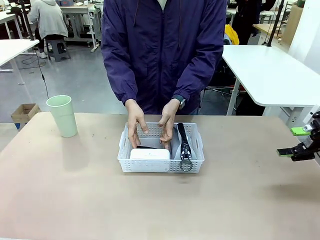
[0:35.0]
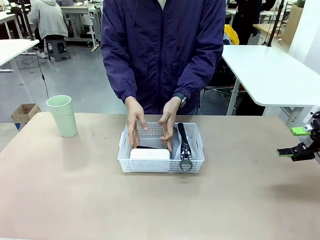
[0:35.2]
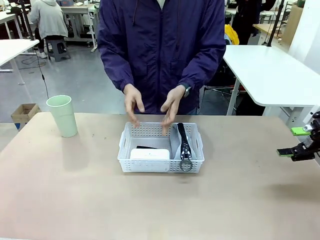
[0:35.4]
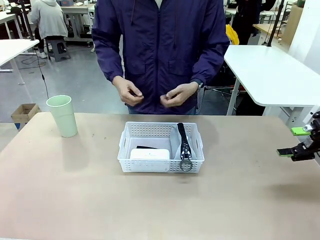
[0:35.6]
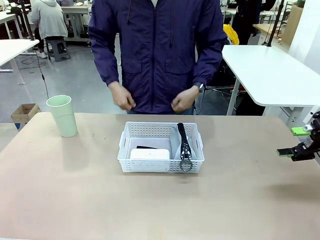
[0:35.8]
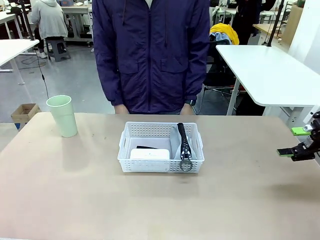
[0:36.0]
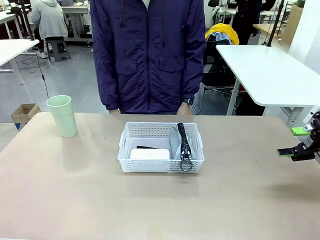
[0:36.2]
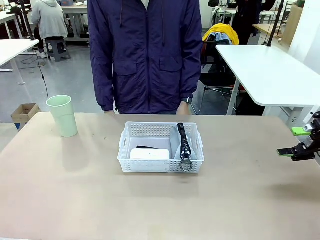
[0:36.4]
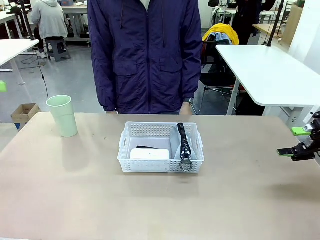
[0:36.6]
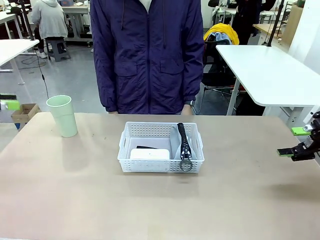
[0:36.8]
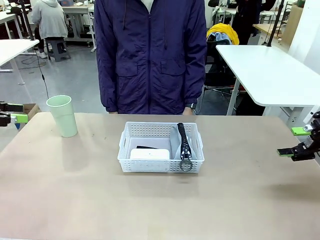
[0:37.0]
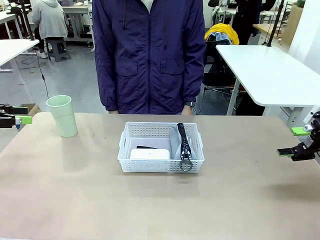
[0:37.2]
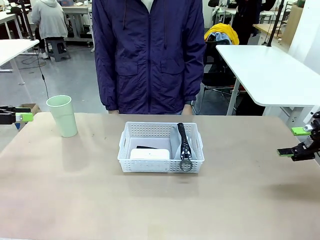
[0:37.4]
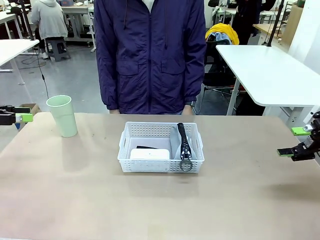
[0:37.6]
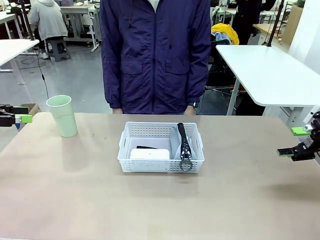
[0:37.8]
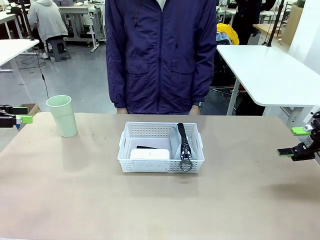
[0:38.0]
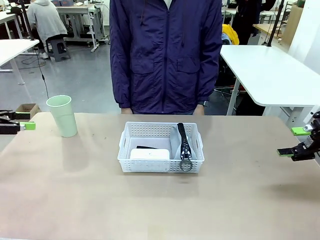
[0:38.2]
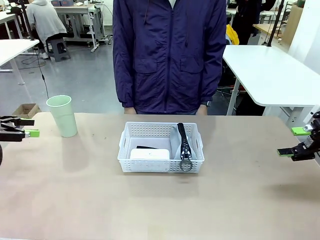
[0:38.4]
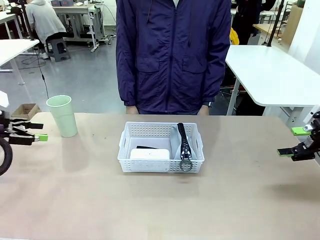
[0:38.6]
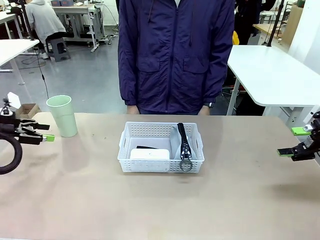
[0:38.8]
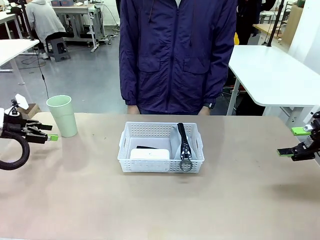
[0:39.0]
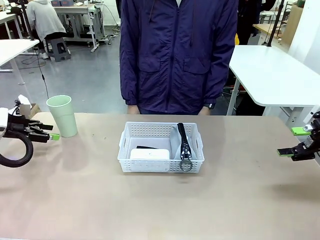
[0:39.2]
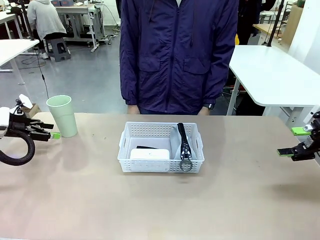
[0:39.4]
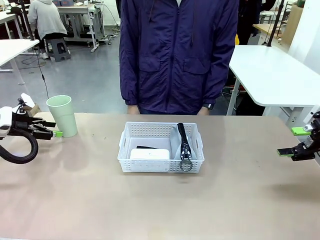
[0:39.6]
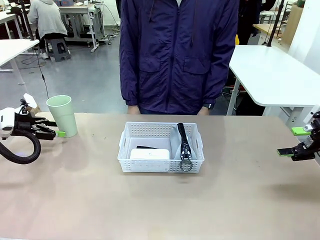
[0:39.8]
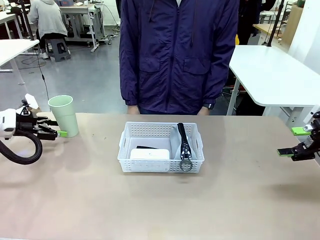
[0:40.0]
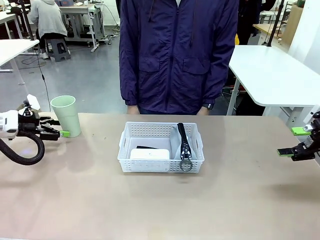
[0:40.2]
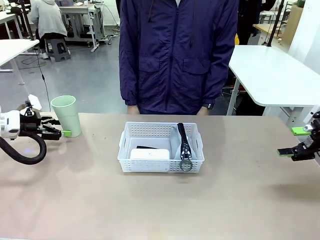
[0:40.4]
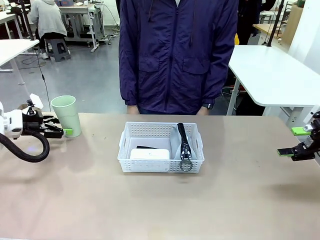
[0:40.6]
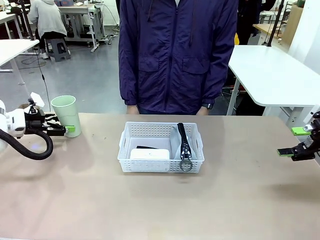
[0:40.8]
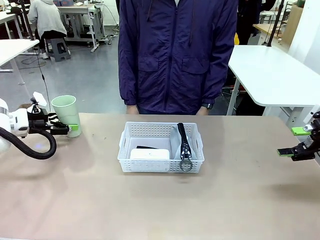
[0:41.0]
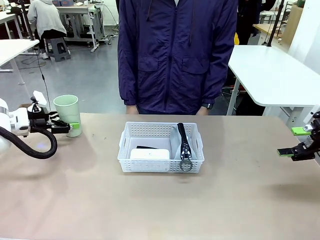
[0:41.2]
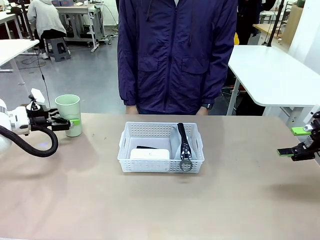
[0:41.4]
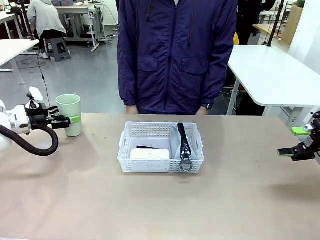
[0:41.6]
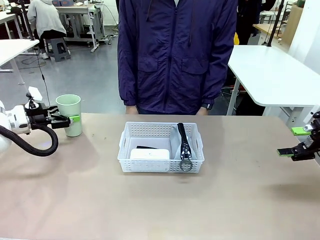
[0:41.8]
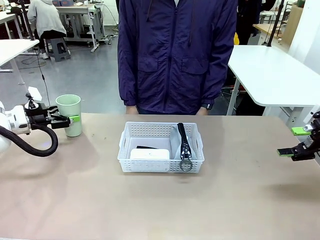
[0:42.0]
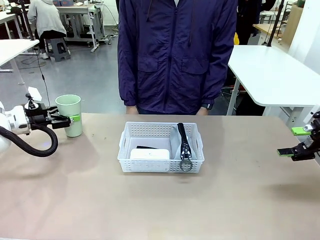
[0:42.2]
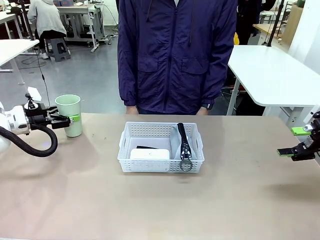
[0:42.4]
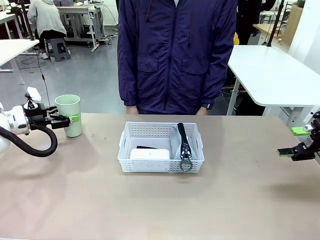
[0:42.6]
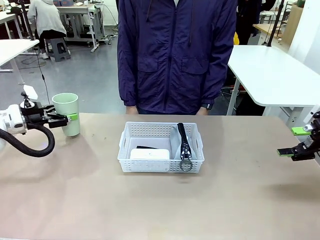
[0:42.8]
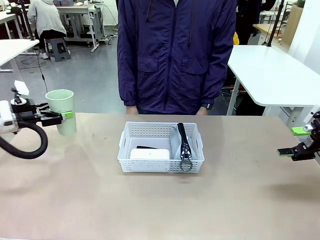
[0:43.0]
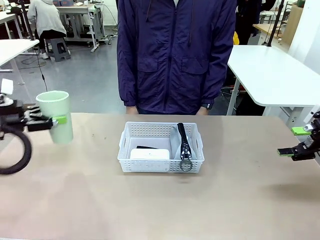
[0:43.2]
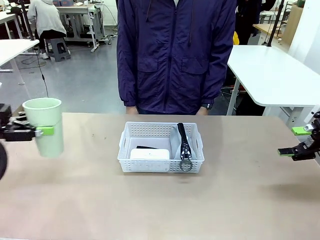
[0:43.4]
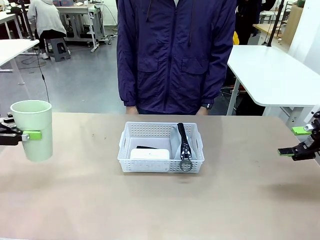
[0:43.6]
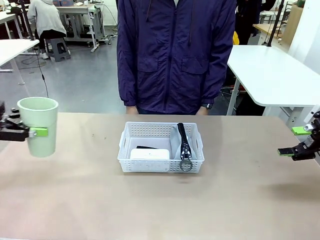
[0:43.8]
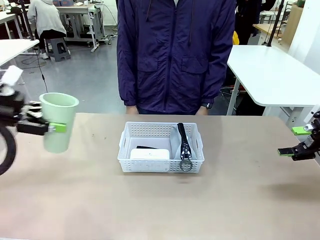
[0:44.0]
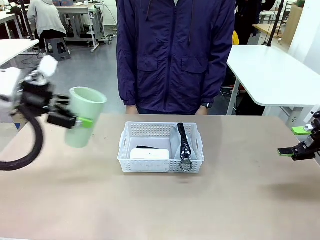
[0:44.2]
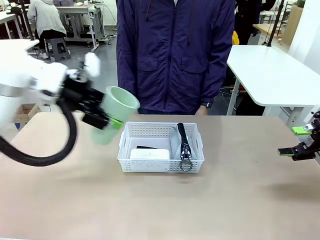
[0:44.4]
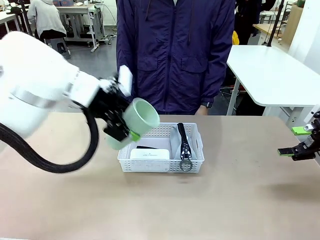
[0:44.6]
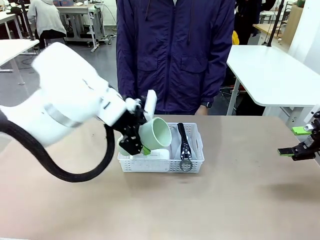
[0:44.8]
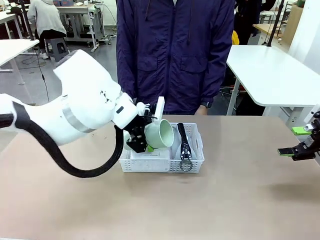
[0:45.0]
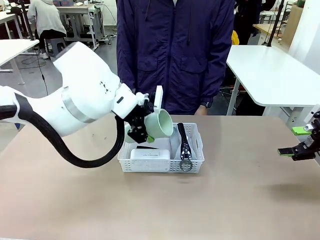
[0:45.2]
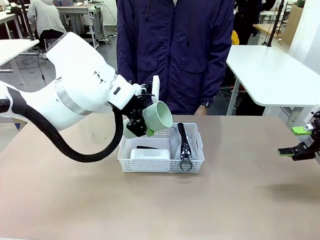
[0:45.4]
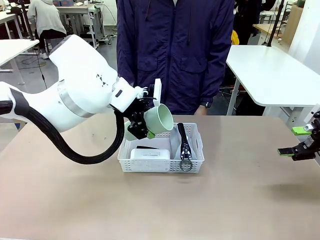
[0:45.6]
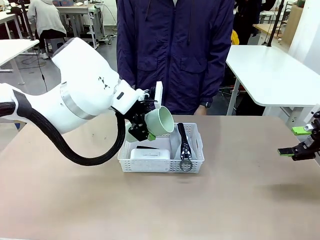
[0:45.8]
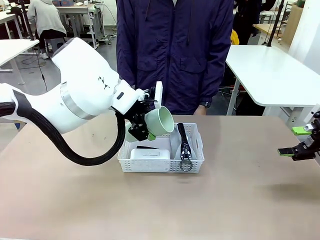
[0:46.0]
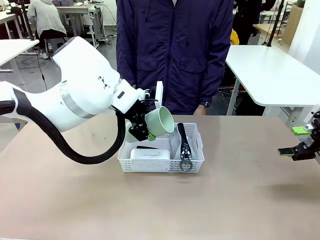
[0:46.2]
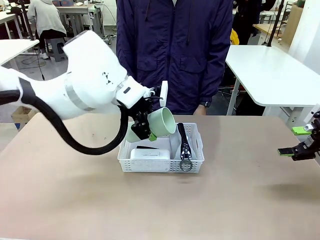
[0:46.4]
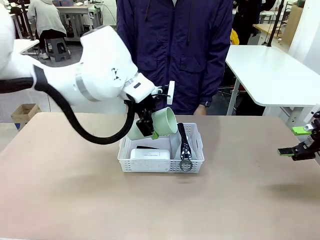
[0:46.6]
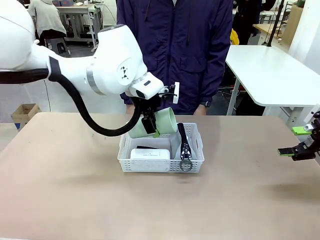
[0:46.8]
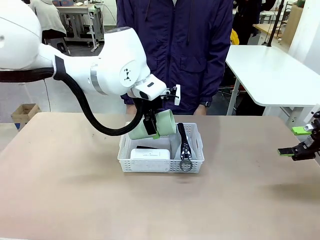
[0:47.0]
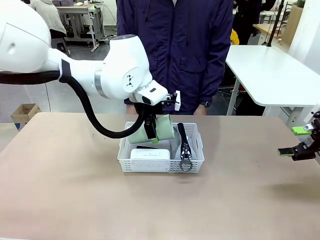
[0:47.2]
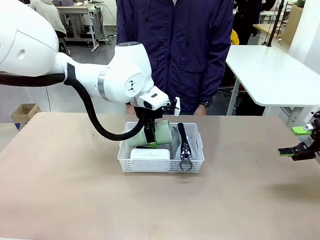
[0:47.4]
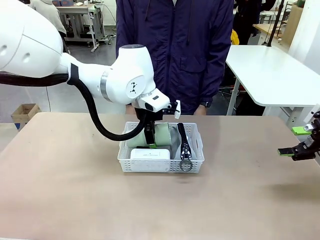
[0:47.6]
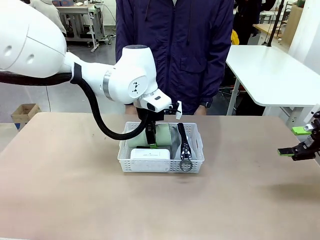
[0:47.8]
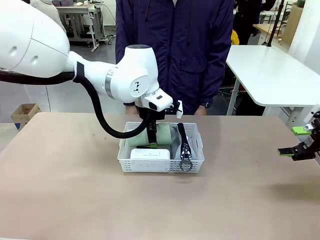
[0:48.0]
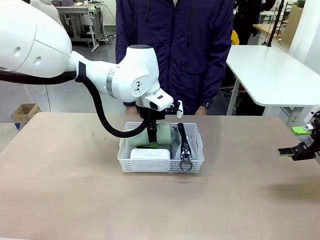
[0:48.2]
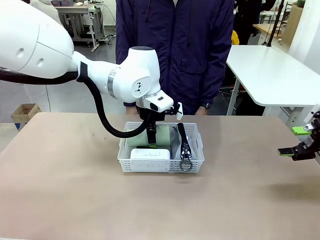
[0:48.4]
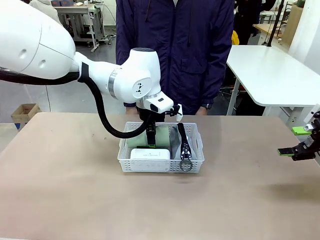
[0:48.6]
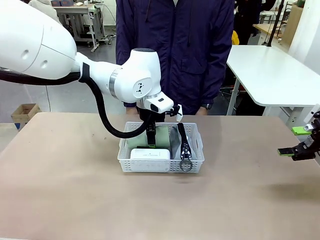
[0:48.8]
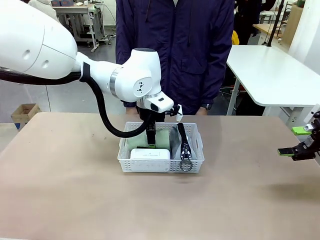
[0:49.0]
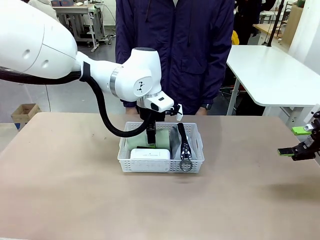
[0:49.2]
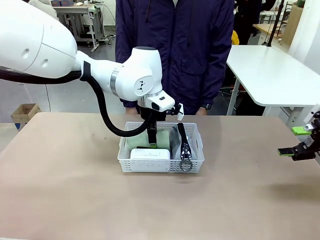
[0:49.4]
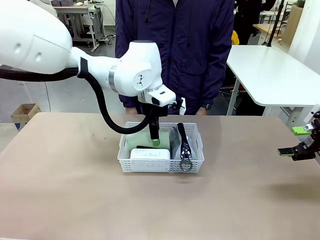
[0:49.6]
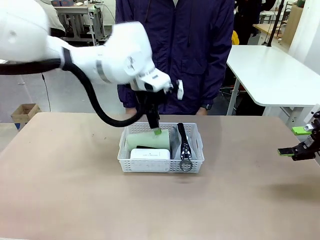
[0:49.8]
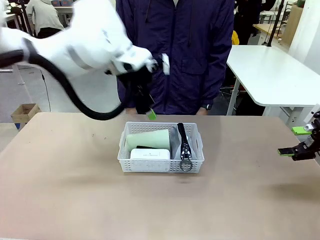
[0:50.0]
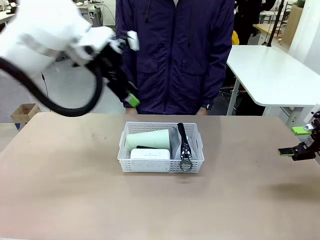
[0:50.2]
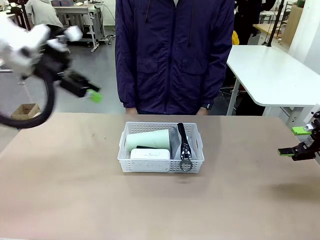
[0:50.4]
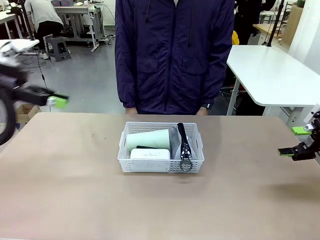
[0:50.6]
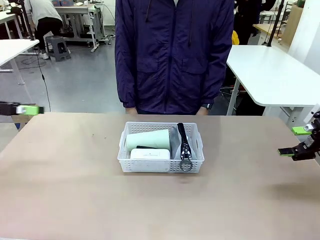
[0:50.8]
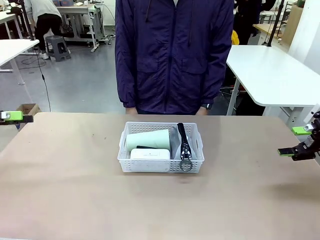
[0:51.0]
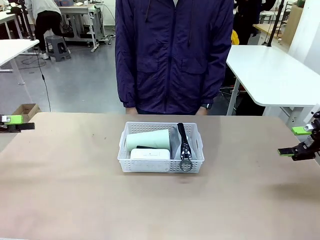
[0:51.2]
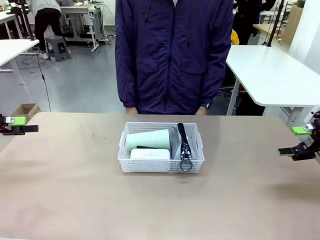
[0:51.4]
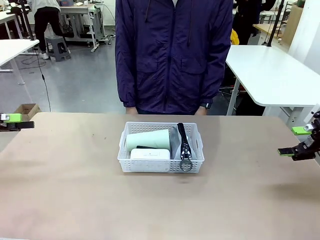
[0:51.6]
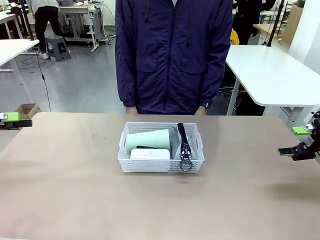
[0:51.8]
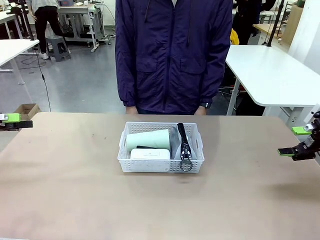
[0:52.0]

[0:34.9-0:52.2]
Task: Efficiently arrange items inside the basket to fit them all.
Robot: Pick up the Reusable plastic cup and place it inside the Organizing basket.
Person: Repositions the stapler.
